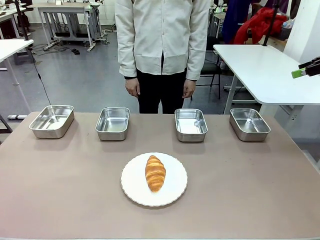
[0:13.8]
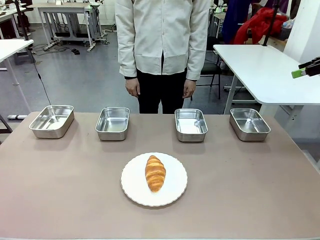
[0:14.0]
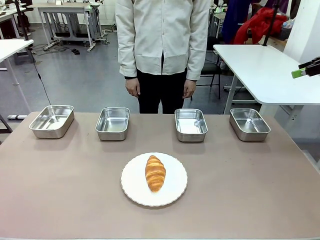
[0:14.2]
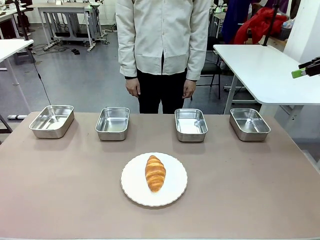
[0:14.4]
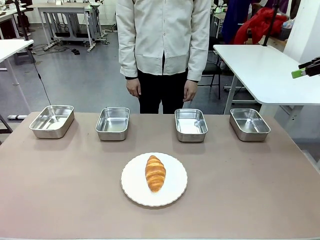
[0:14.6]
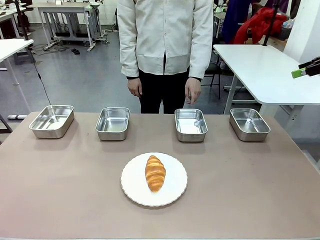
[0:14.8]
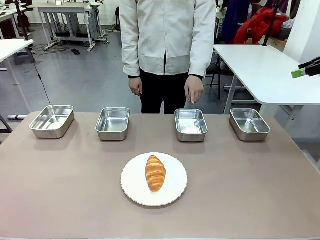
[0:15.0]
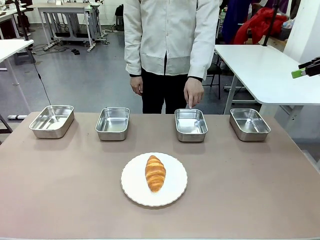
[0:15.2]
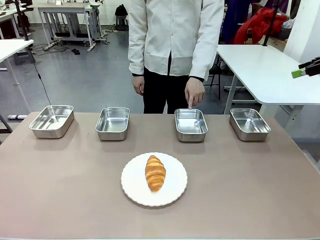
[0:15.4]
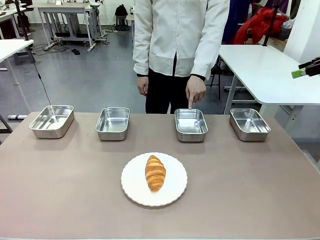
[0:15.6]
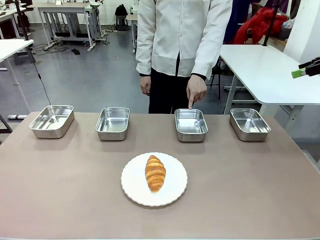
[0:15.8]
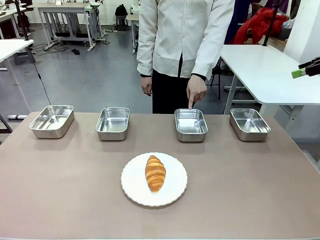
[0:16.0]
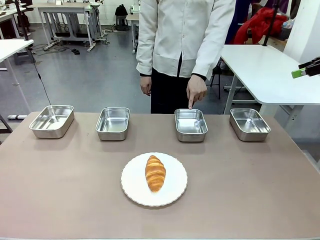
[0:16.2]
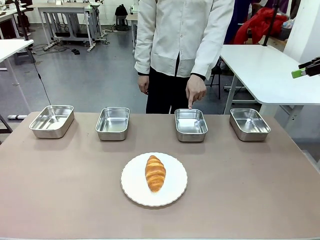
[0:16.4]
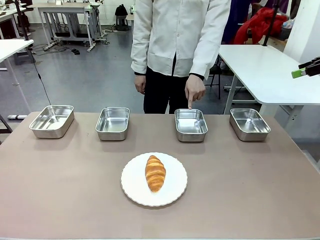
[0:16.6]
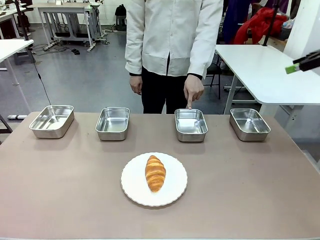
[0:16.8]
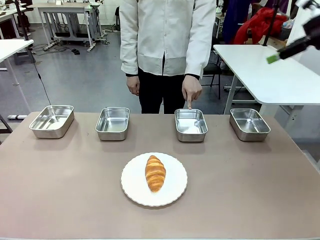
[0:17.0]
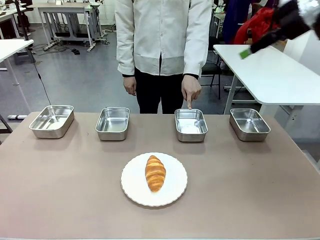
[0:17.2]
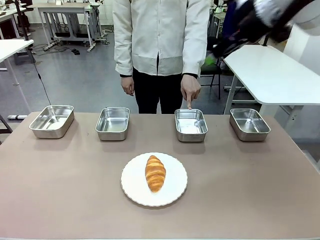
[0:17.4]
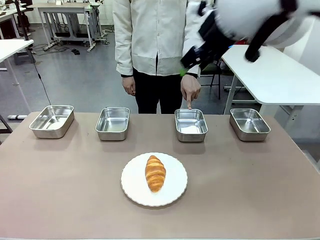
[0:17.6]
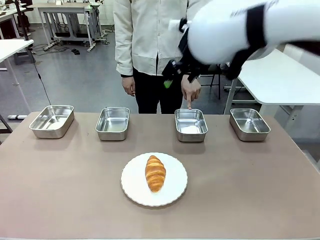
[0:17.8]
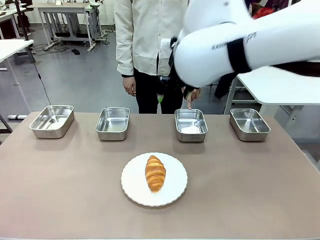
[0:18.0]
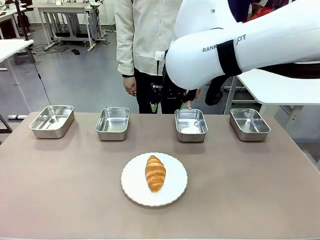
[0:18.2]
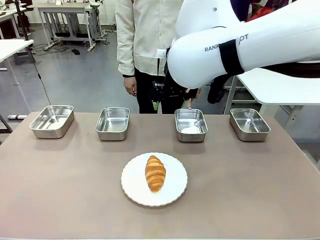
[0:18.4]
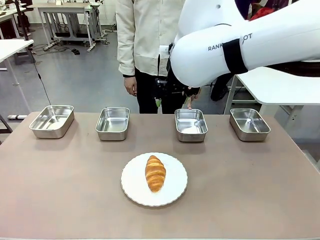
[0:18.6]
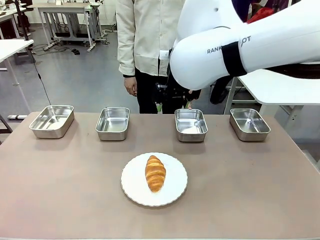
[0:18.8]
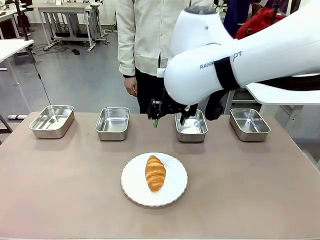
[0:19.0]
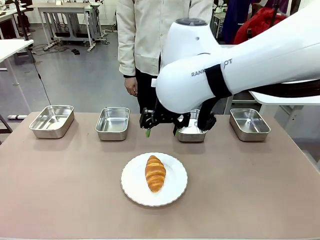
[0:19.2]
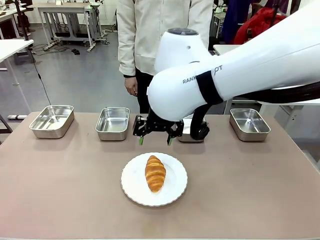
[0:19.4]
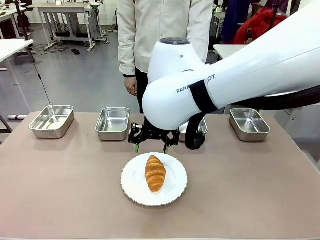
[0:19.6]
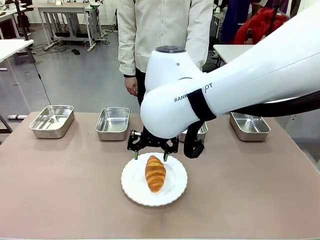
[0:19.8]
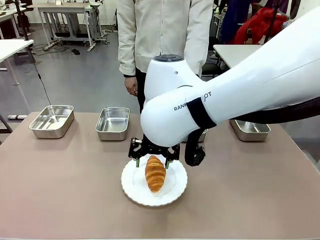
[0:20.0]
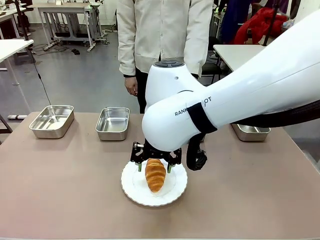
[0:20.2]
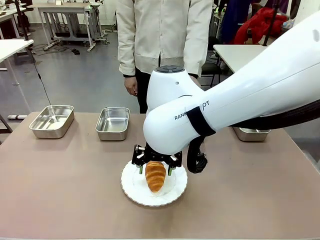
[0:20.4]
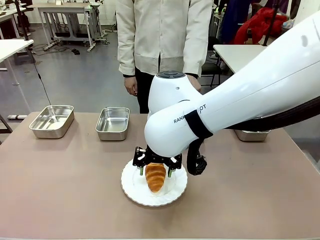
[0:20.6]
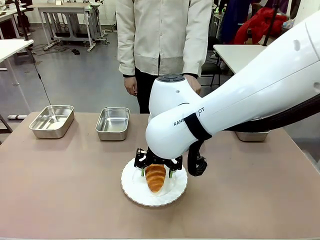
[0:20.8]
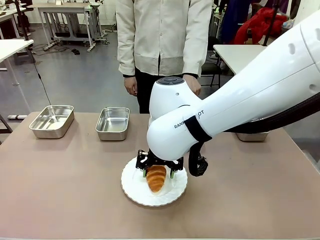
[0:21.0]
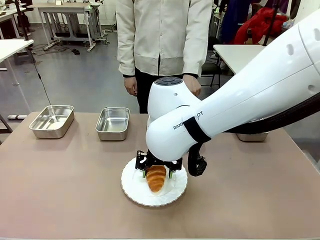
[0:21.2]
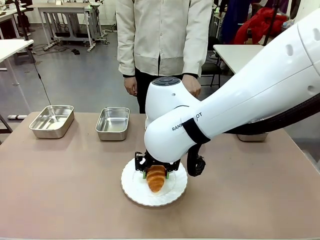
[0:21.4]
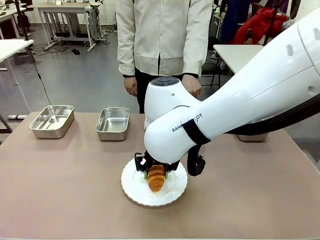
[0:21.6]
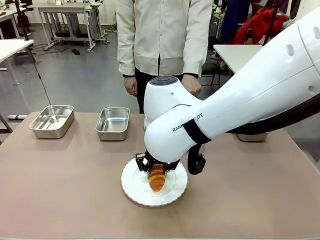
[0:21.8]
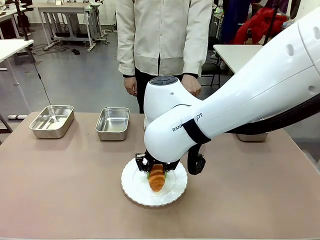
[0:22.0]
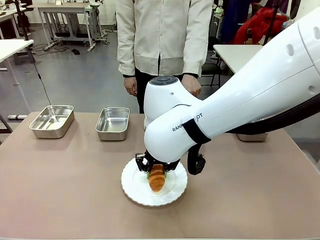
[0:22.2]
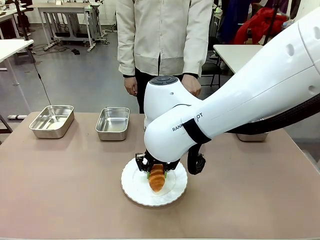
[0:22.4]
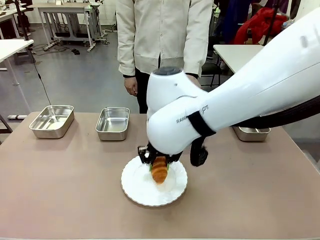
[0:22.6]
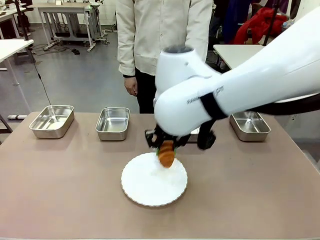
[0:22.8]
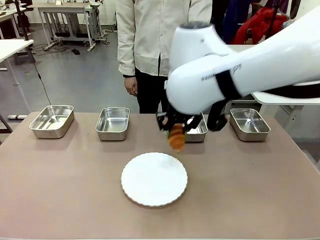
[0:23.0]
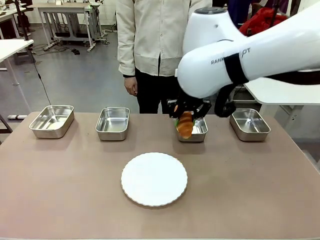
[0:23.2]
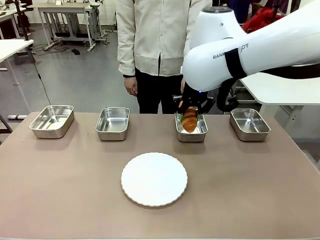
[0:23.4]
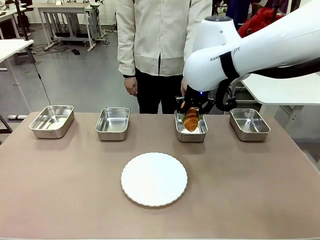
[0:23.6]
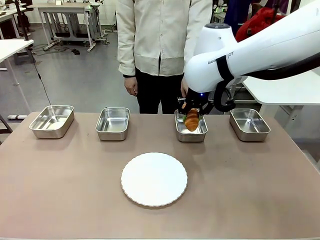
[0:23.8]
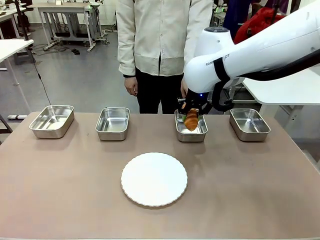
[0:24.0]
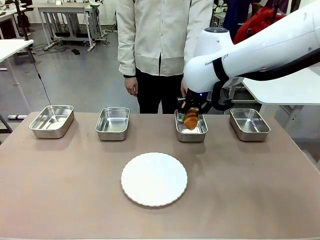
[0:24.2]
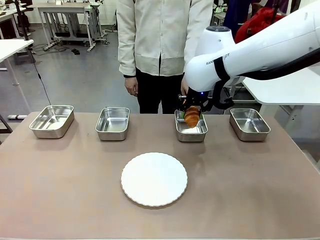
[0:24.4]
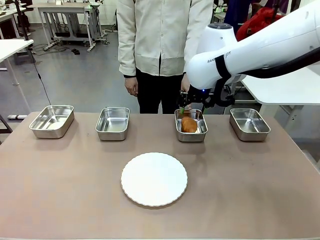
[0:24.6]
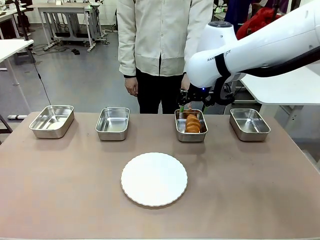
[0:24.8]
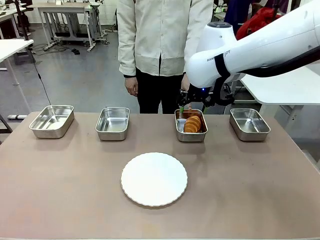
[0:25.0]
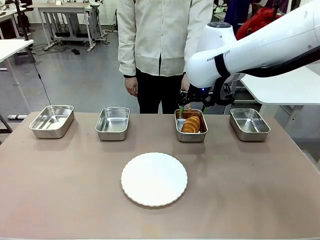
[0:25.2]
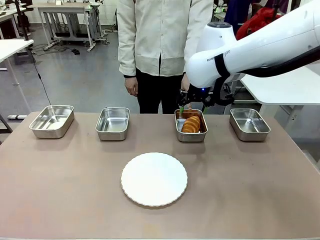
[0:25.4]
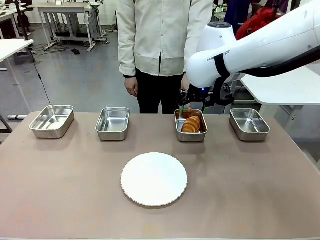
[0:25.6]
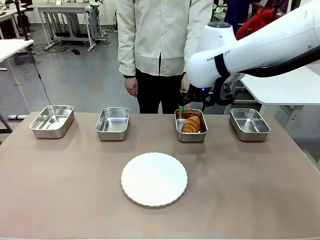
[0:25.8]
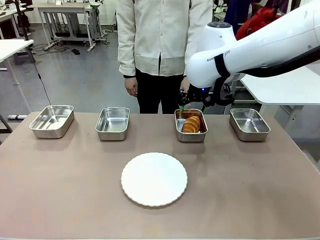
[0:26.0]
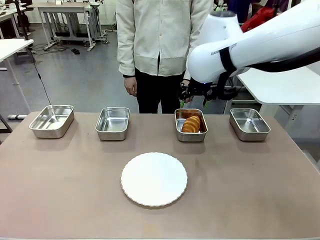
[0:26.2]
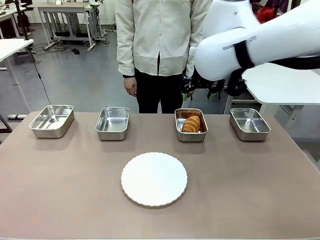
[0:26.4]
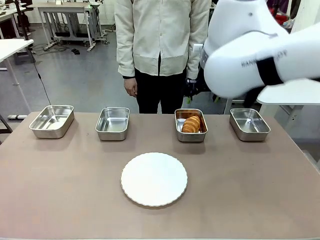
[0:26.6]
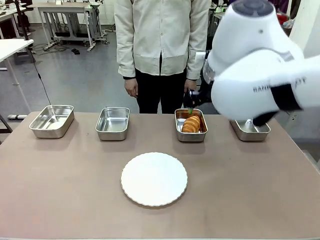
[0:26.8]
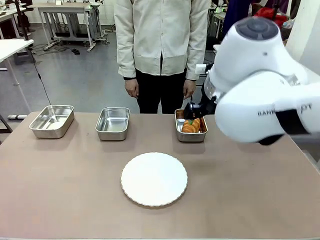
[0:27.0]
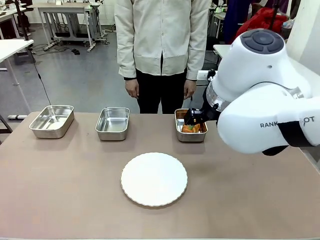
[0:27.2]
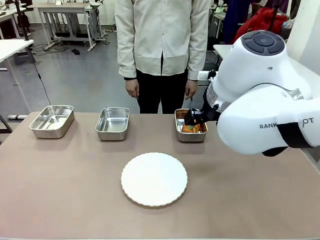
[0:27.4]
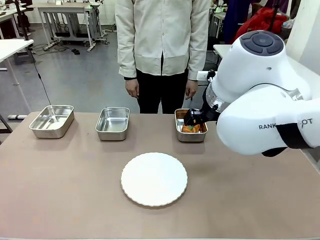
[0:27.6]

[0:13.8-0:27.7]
Task: Place the bread in the container.
Robot: Place the Butter Roll into the Airtight Container indicated by the human.
Person: A person randomly selects and points to an Airtight Container.
